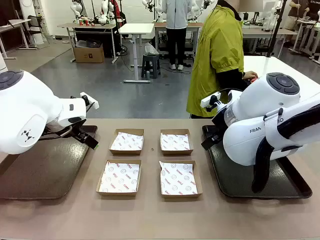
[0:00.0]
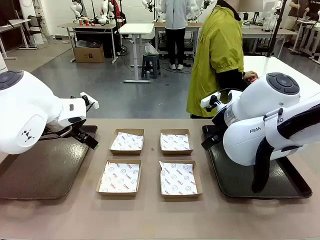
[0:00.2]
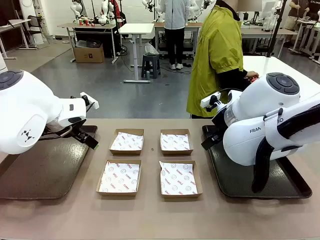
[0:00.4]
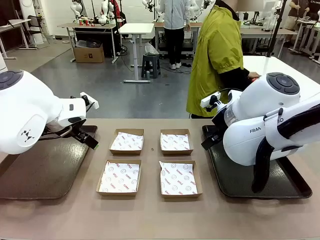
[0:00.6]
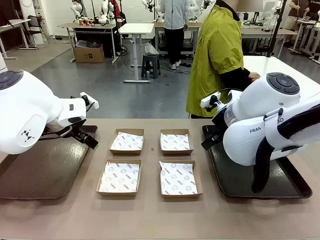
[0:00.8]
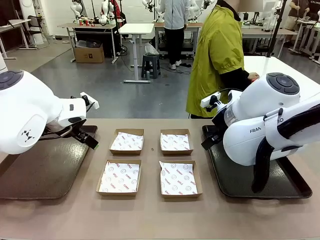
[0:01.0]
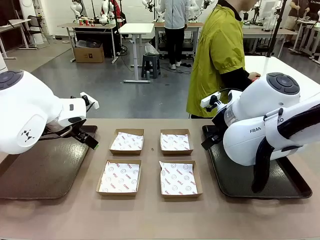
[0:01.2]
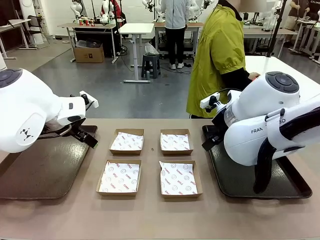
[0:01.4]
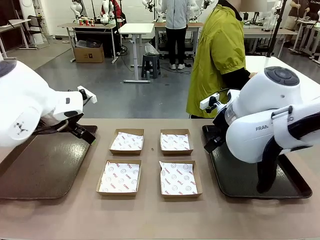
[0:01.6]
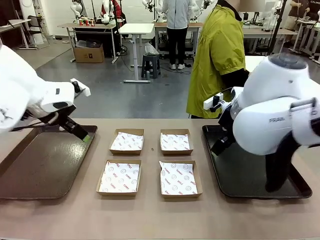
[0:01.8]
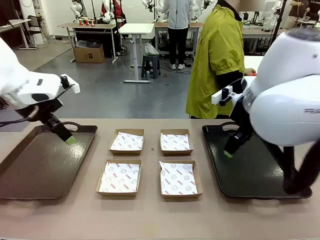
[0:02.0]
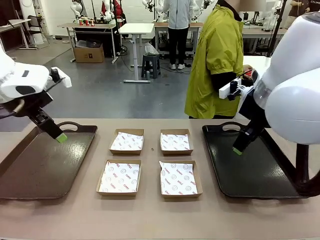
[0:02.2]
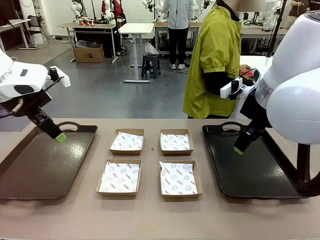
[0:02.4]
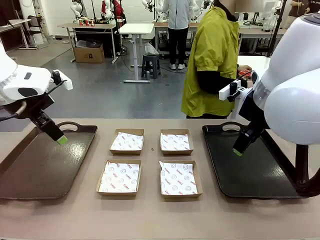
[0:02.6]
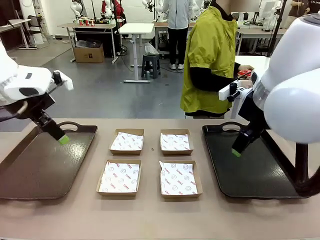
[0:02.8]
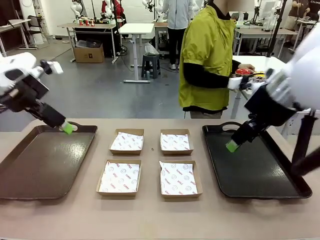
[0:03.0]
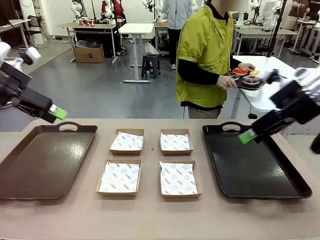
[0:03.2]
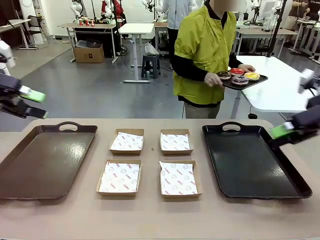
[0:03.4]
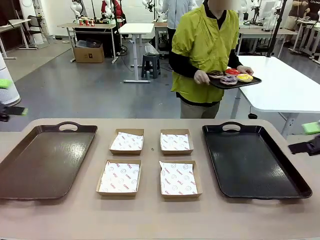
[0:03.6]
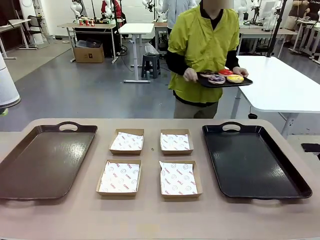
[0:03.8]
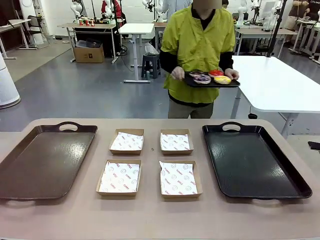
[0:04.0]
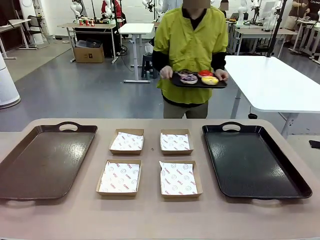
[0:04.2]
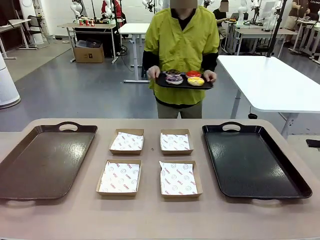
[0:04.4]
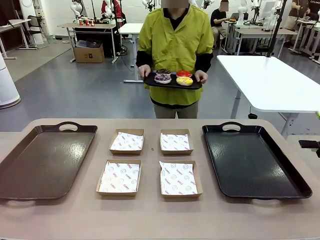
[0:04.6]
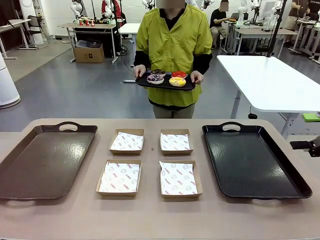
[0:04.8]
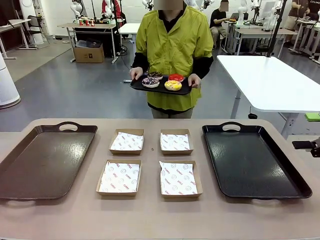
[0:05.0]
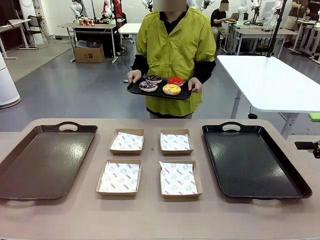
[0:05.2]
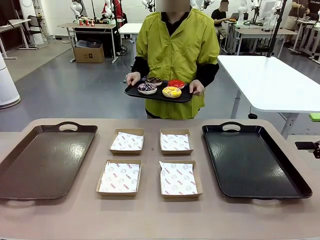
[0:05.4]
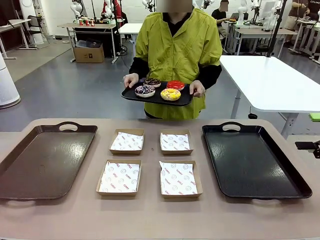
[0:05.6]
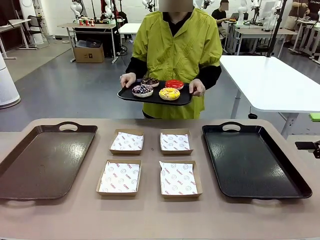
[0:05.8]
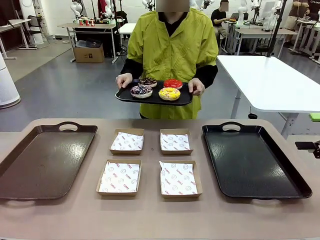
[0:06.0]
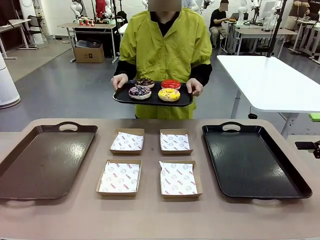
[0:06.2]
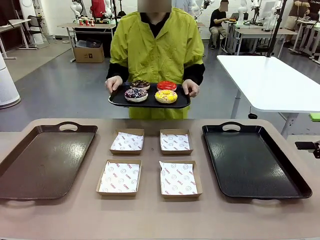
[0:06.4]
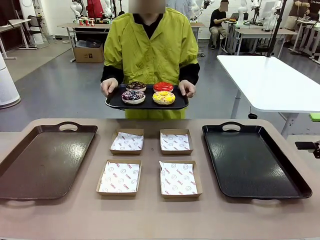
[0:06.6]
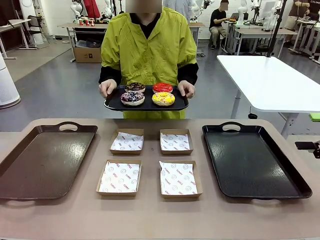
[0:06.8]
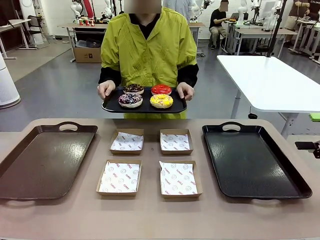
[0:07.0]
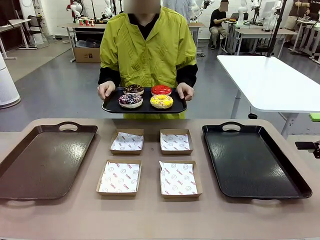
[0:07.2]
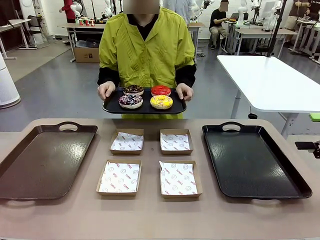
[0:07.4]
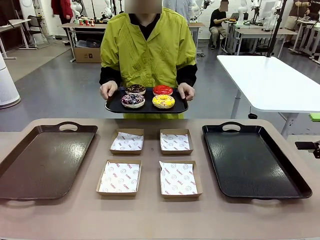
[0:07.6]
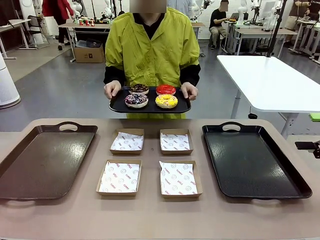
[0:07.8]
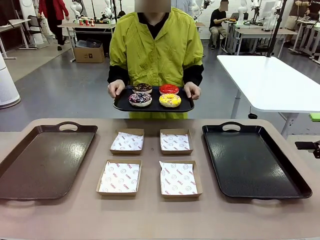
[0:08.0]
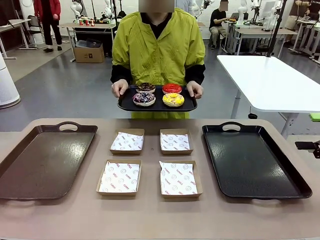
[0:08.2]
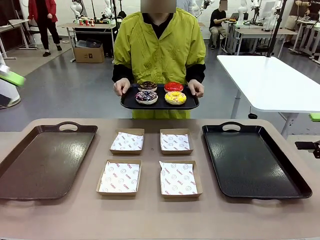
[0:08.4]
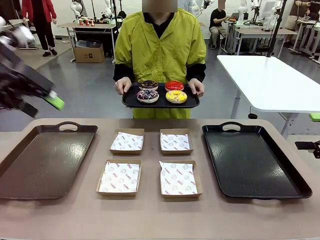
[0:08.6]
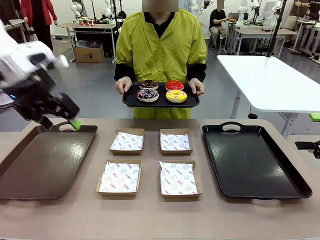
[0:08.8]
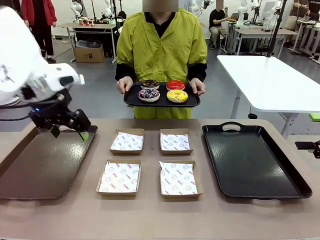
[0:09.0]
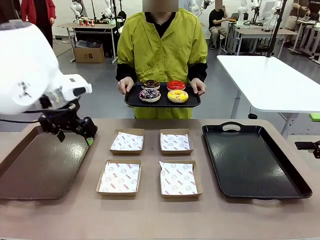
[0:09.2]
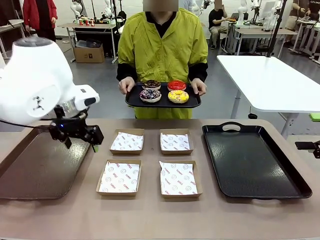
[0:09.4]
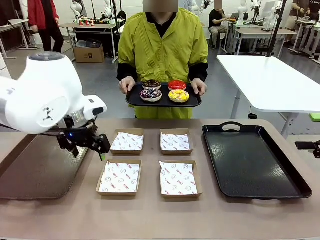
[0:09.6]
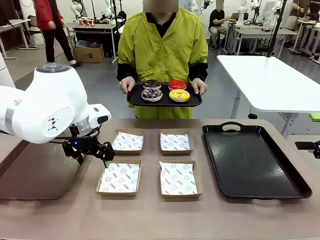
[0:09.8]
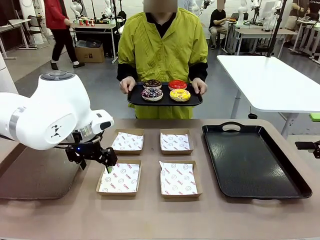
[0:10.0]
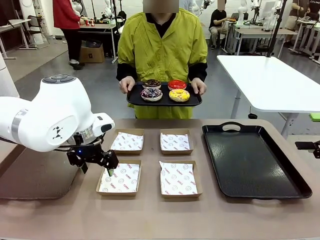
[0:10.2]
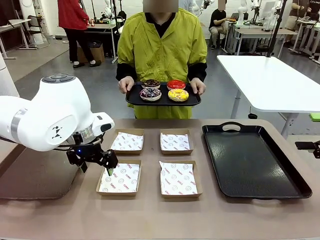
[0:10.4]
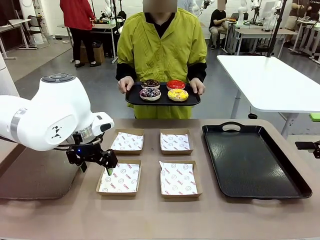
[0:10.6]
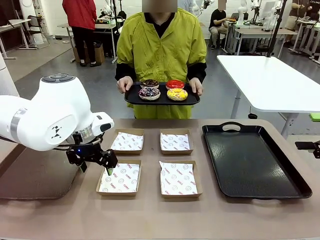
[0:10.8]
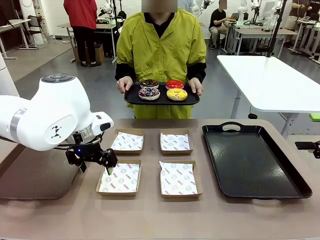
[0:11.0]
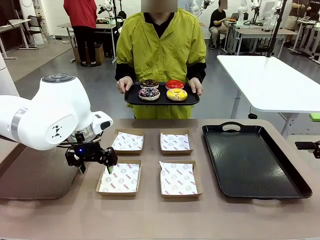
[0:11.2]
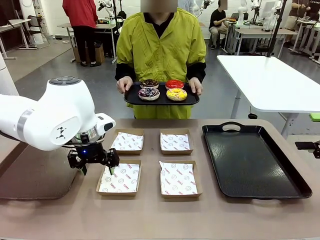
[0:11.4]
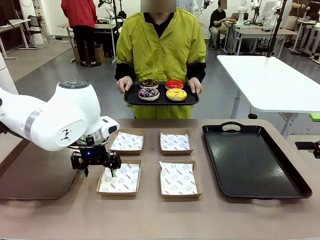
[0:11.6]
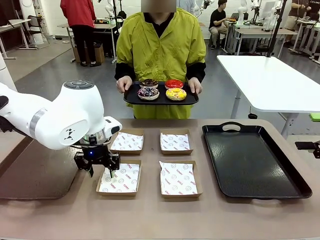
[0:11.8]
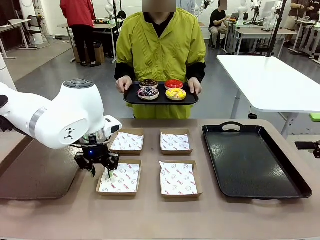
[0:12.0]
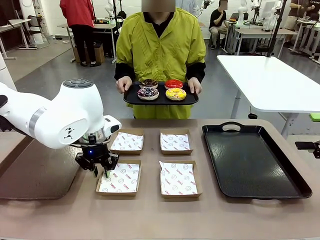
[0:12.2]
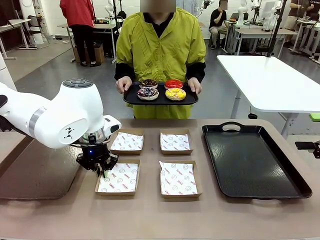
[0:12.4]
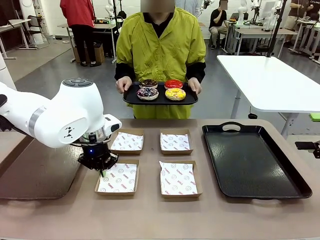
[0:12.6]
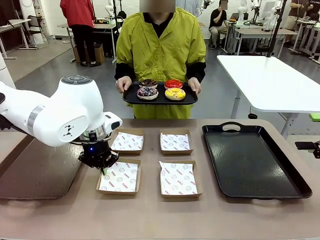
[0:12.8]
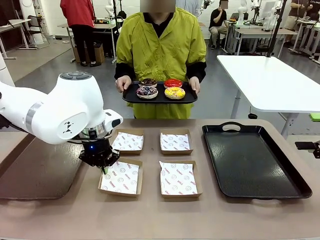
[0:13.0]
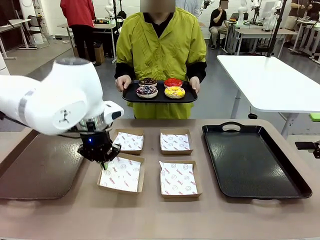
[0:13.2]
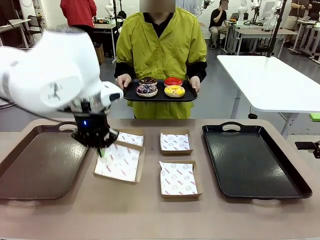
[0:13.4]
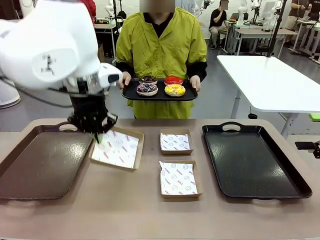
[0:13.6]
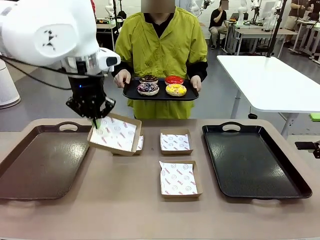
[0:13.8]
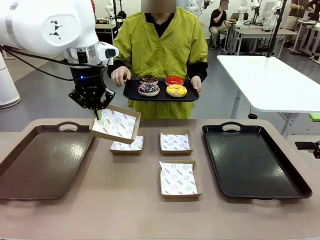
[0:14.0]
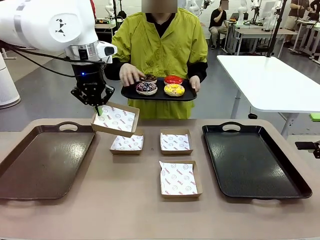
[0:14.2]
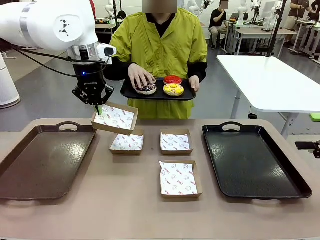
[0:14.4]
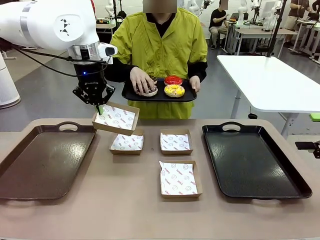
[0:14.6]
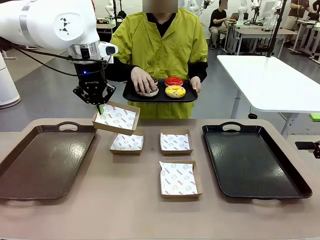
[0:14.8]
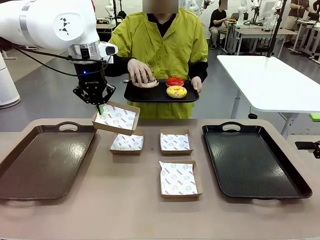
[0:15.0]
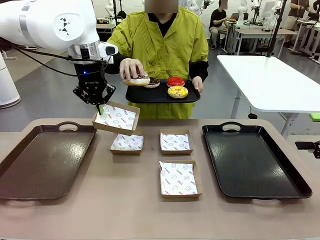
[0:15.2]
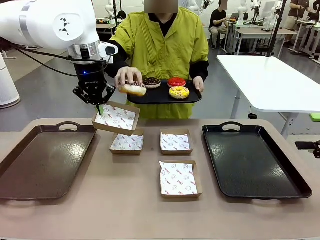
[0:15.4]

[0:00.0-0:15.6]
Task: Individually package the donuts and arrange them on the tray.
Robot: Pick up one Paper togo box.
Person: Stand in front of the robot table holding the tray containing the donuts.
